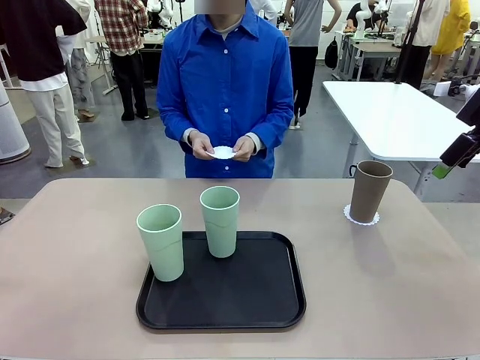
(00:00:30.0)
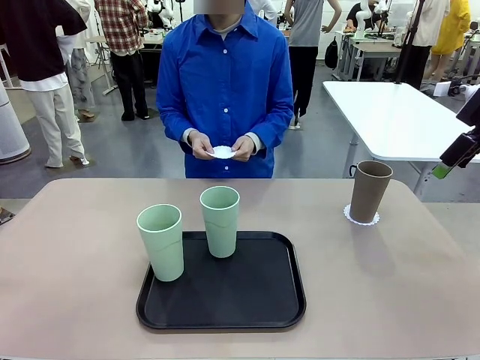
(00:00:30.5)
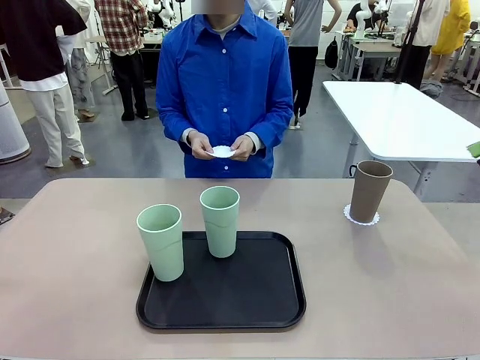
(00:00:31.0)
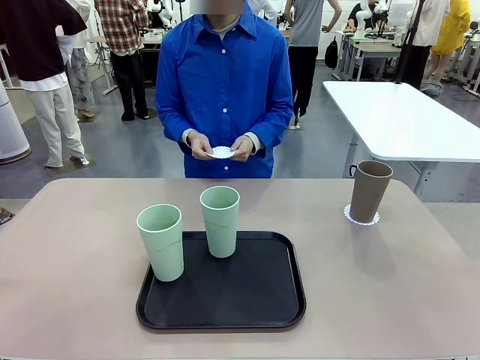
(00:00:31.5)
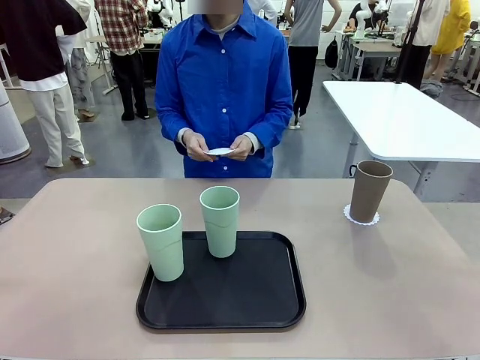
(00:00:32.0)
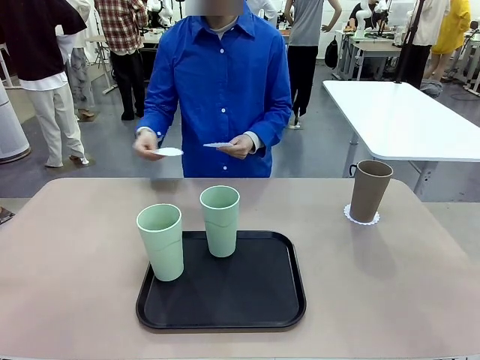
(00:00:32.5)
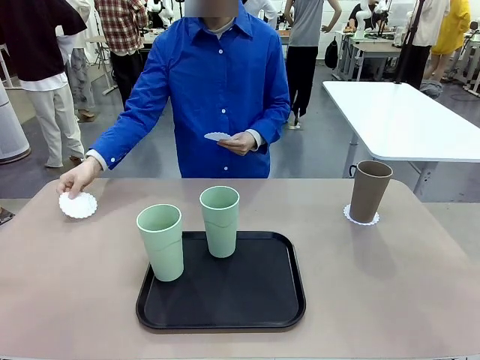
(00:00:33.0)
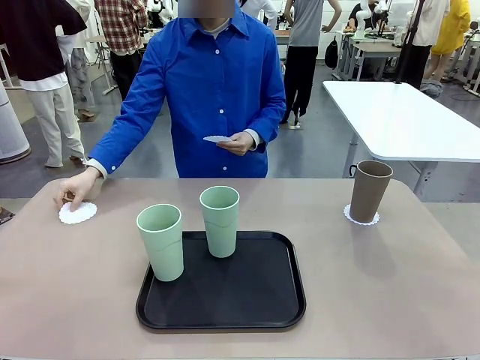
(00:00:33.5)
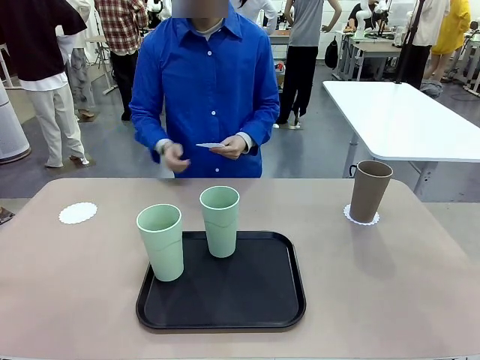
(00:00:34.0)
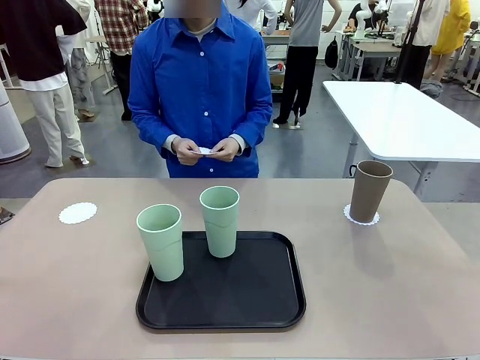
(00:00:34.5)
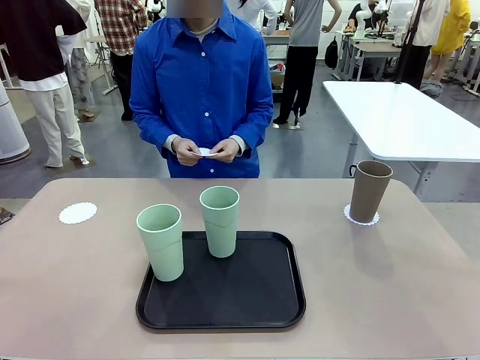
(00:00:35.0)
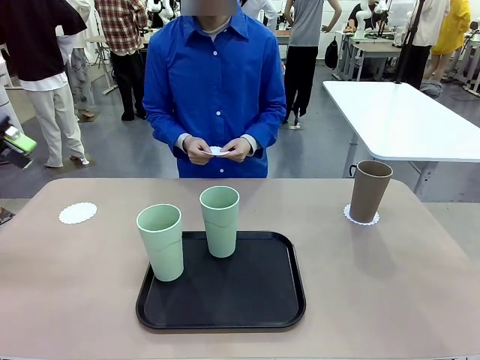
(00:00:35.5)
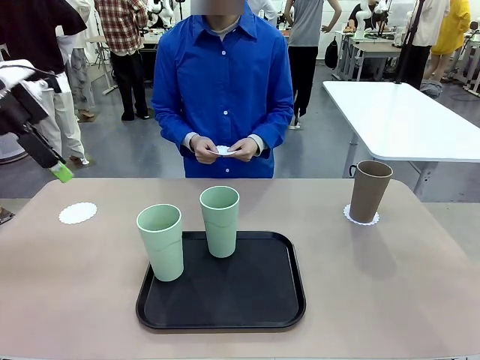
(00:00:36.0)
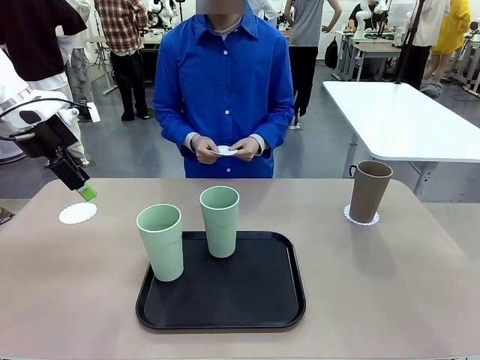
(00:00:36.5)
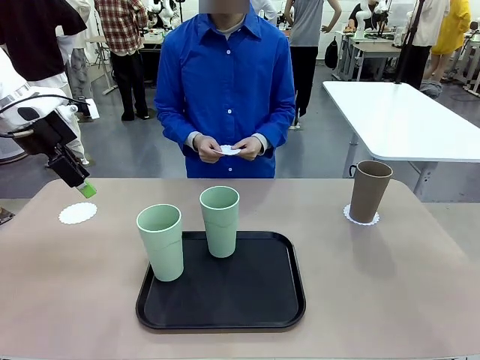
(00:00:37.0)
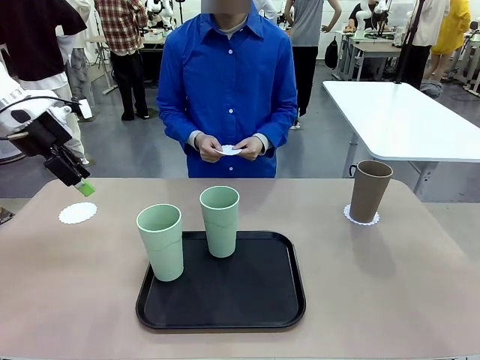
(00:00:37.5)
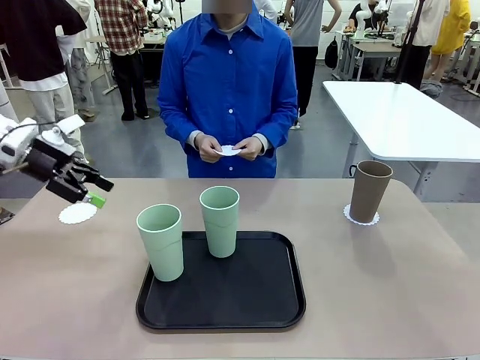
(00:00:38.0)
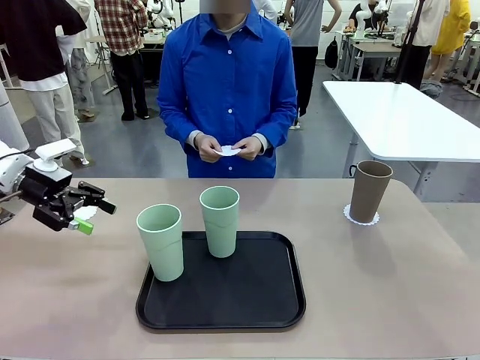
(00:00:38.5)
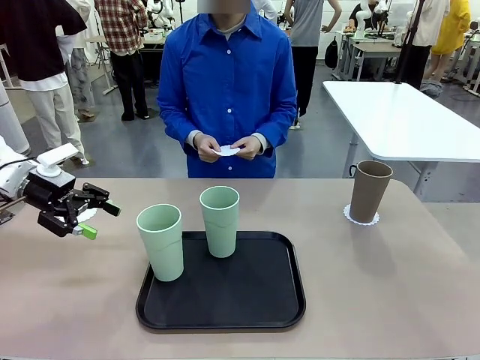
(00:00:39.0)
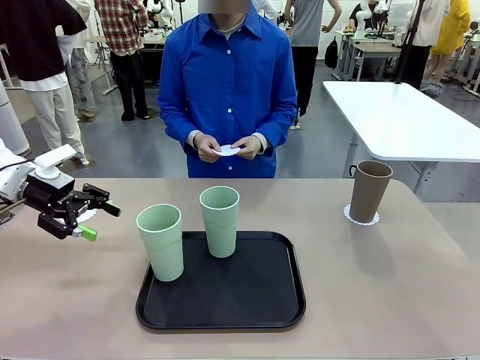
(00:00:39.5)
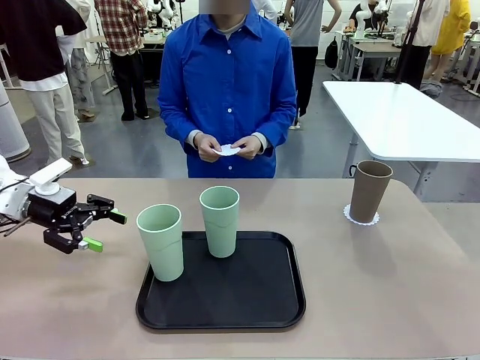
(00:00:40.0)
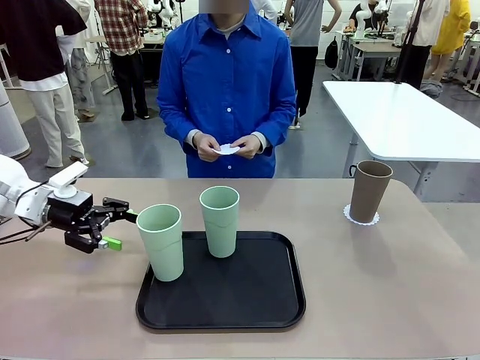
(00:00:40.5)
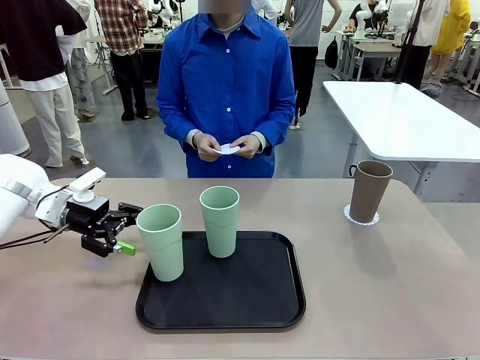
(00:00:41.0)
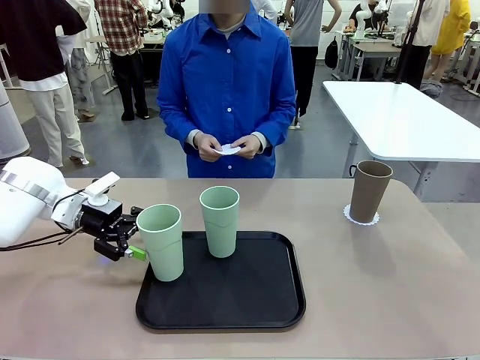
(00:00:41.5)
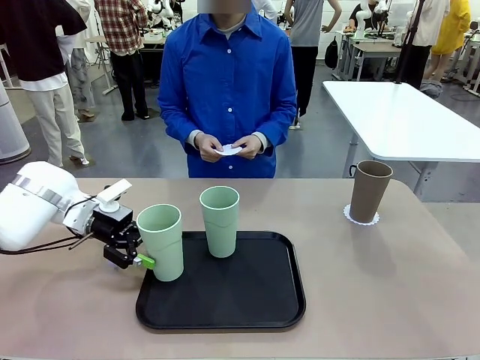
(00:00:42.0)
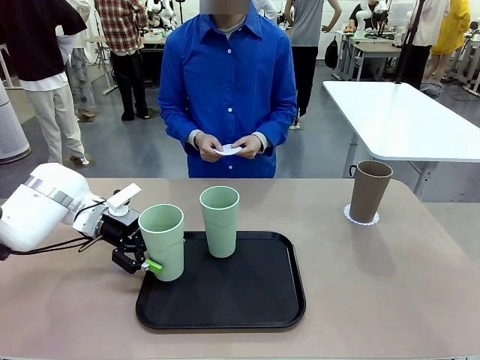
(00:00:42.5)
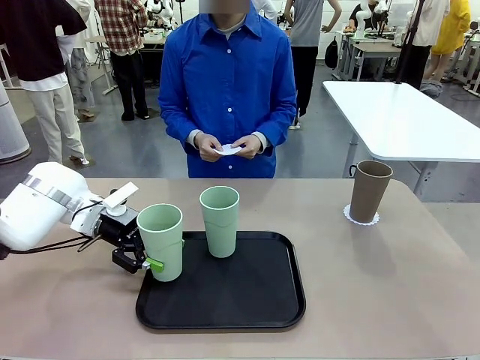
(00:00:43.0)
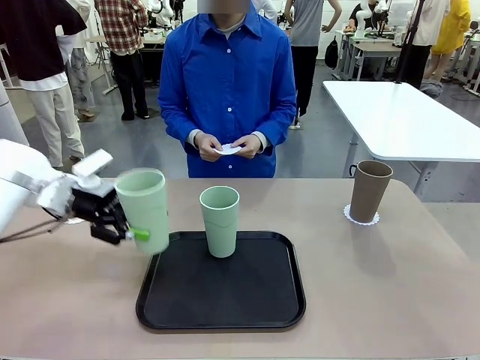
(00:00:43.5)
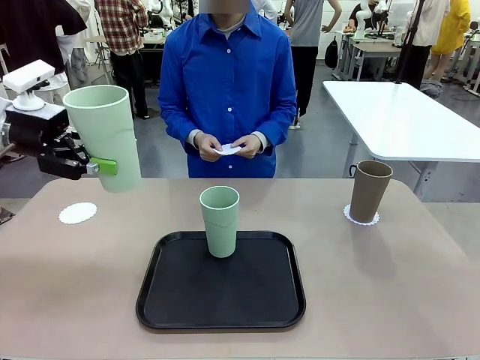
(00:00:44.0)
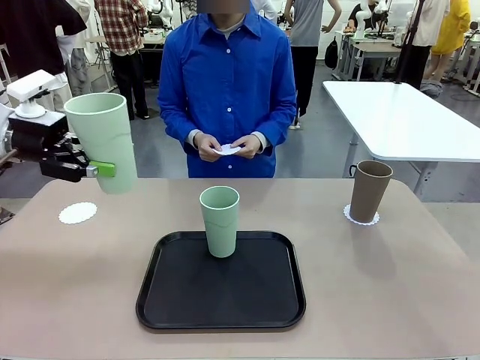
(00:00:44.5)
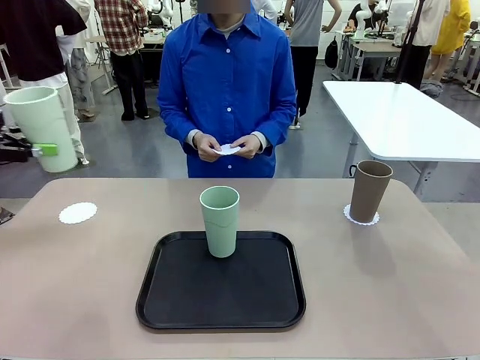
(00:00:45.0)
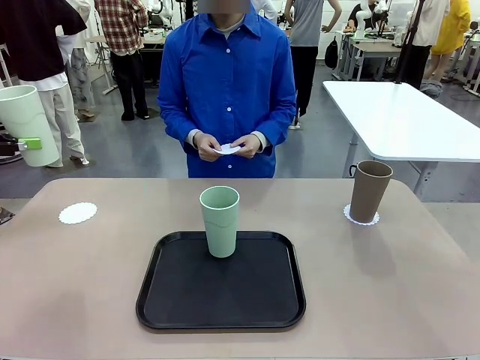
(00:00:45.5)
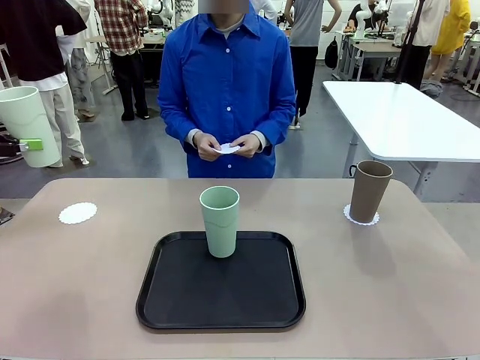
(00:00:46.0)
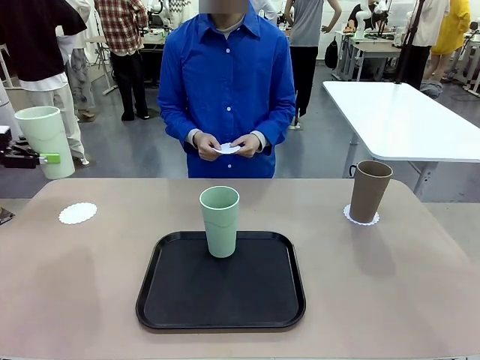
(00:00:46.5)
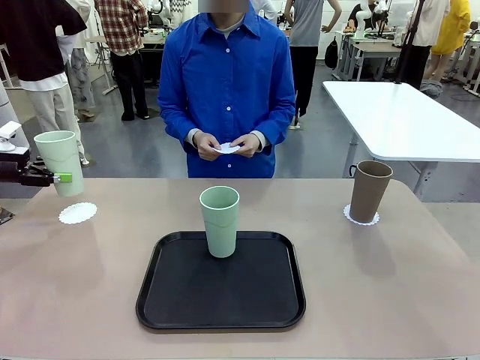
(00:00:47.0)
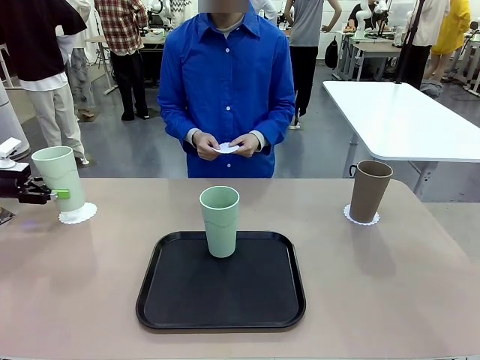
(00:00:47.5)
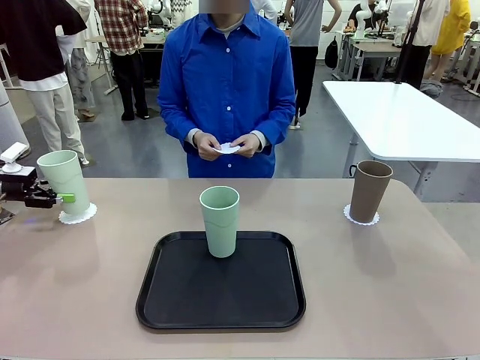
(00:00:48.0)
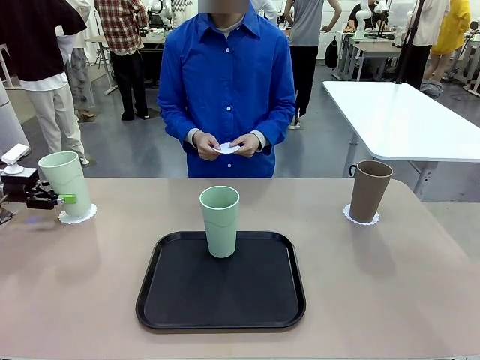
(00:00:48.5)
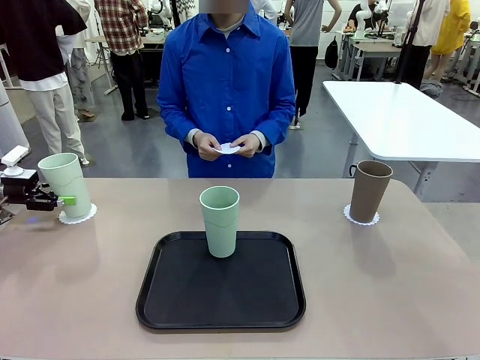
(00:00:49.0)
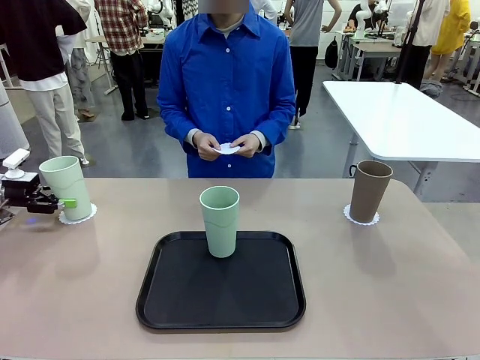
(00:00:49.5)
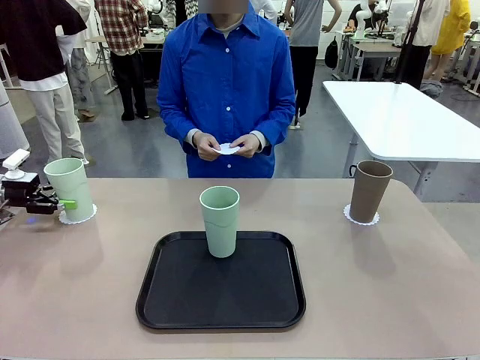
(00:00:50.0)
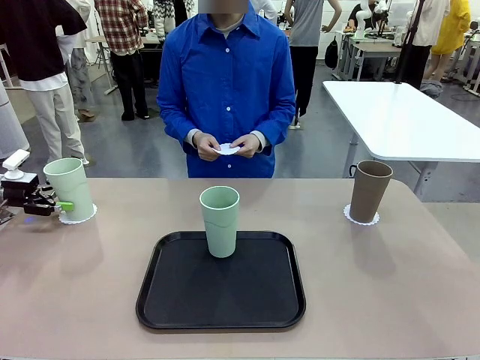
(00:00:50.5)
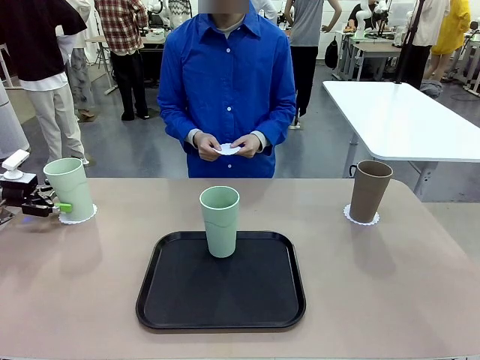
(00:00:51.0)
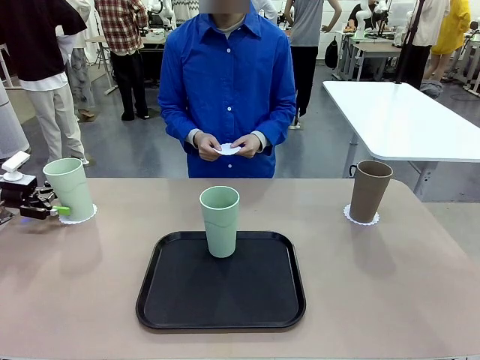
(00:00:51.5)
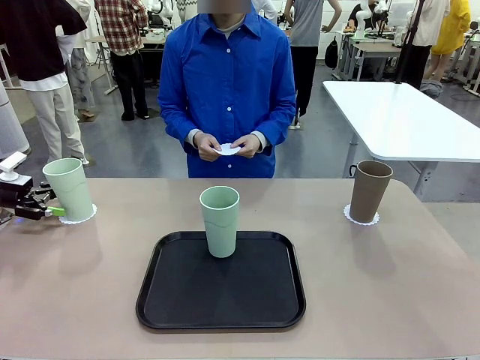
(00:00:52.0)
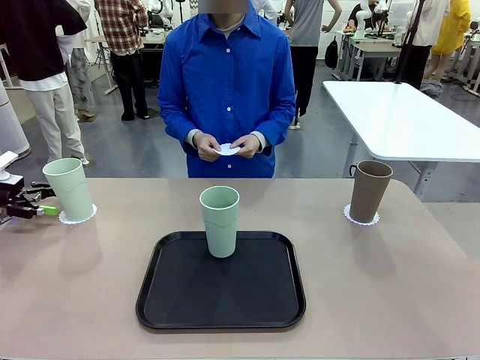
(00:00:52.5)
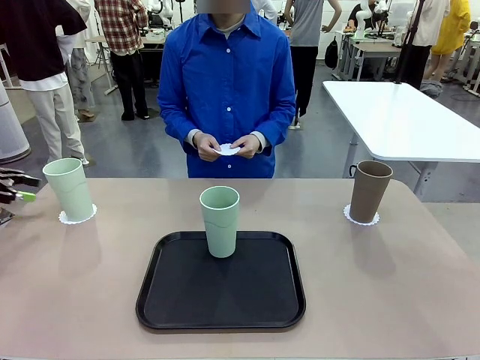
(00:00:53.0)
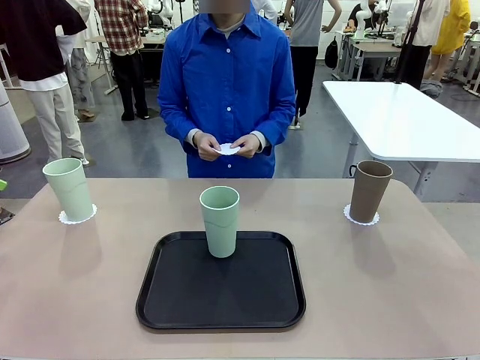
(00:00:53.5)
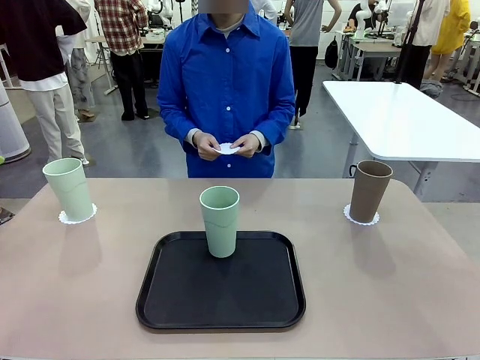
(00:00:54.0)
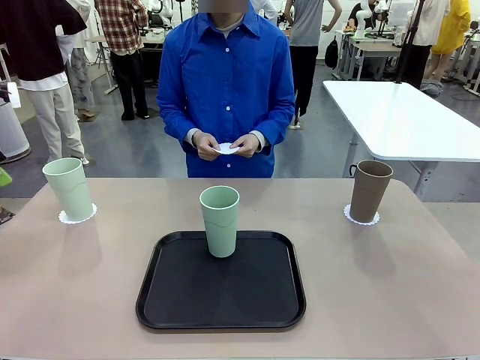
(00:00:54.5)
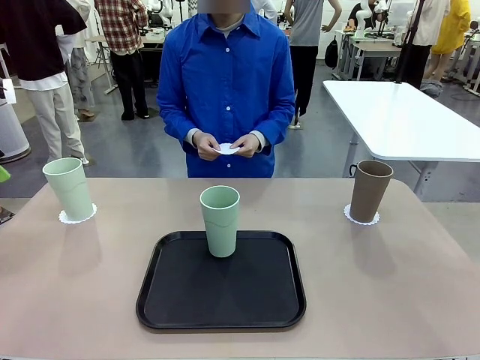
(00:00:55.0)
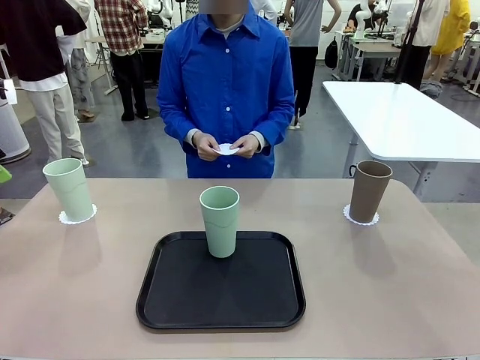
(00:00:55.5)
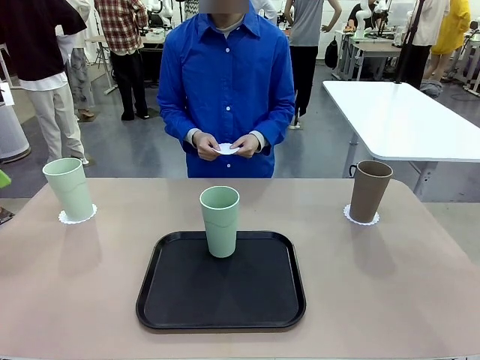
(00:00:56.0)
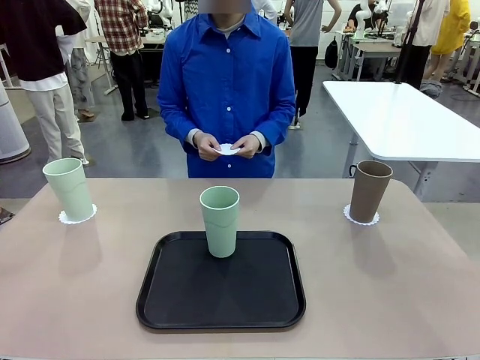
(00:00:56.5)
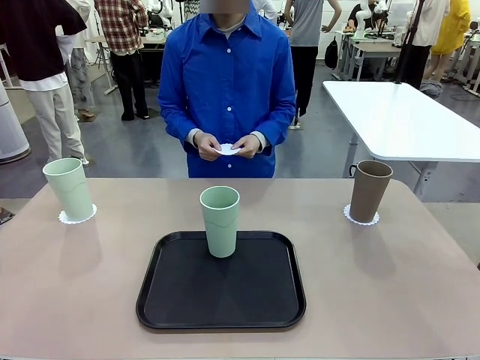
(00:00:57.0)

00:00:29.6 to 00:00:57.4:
Task: Place coasters on the table and set cups on them.
Robot: Take one Reusable plastic cup from the Flat Tray and place it on a coaster set by the human.
